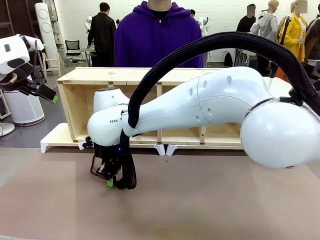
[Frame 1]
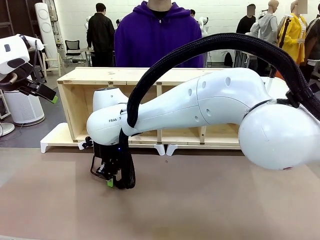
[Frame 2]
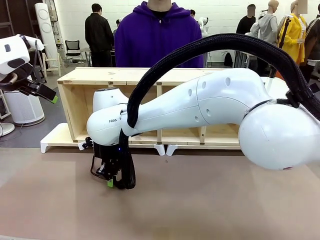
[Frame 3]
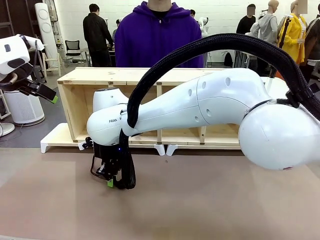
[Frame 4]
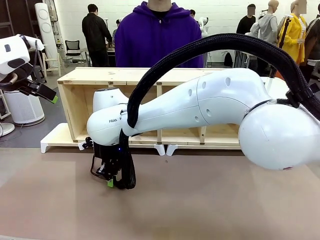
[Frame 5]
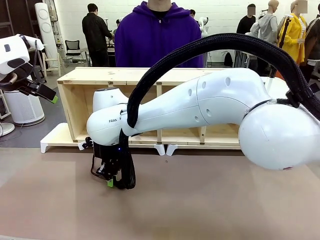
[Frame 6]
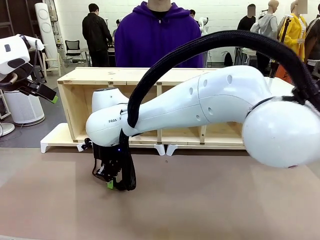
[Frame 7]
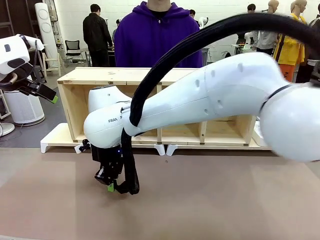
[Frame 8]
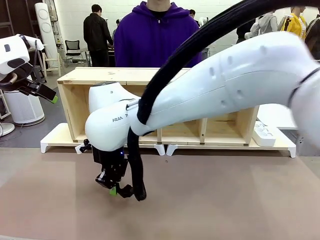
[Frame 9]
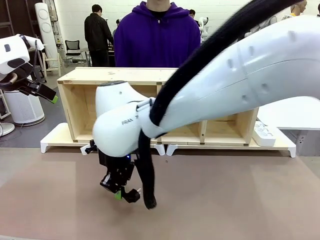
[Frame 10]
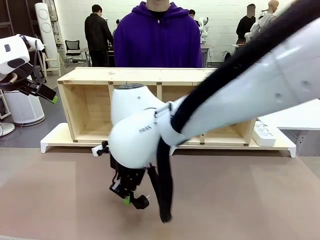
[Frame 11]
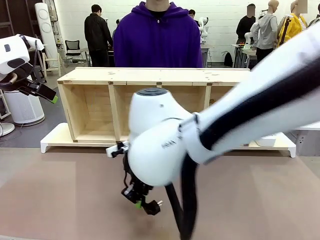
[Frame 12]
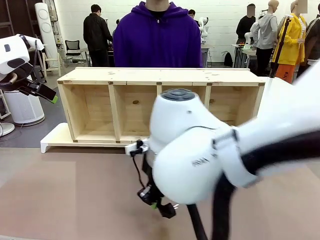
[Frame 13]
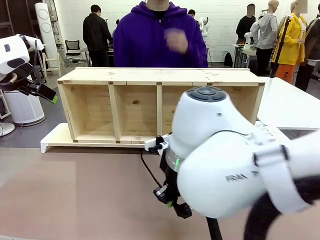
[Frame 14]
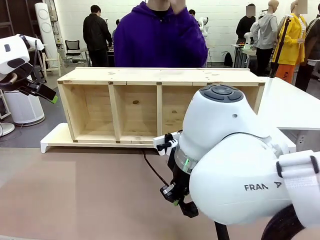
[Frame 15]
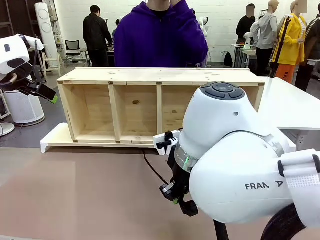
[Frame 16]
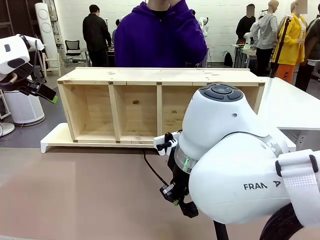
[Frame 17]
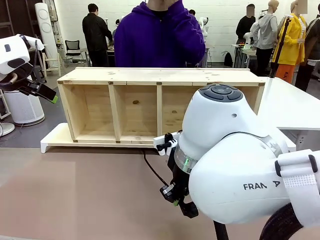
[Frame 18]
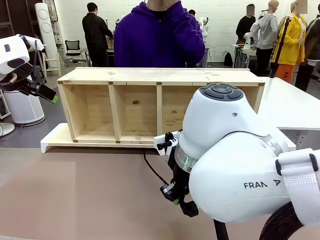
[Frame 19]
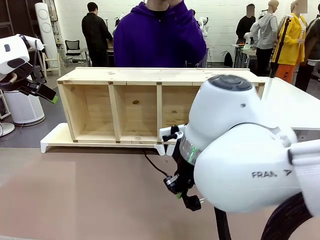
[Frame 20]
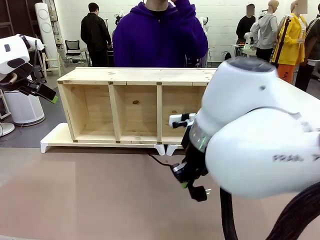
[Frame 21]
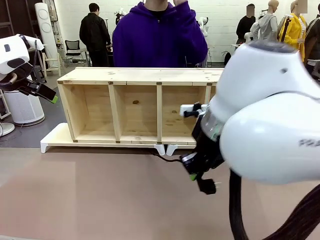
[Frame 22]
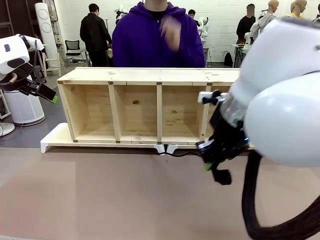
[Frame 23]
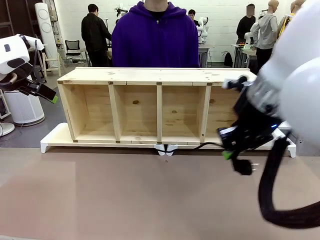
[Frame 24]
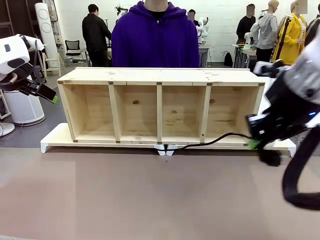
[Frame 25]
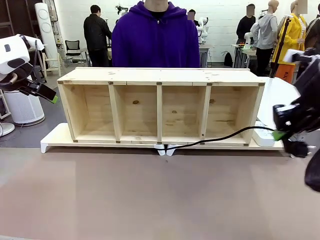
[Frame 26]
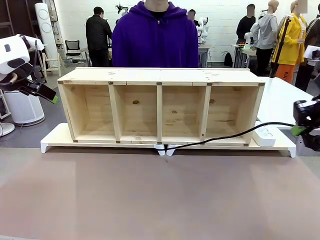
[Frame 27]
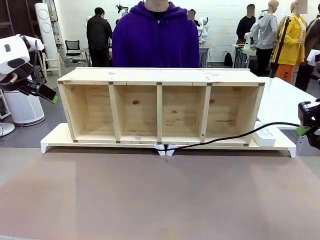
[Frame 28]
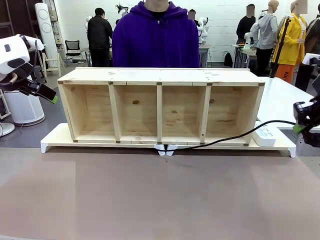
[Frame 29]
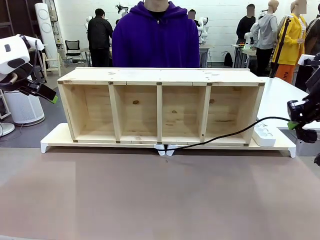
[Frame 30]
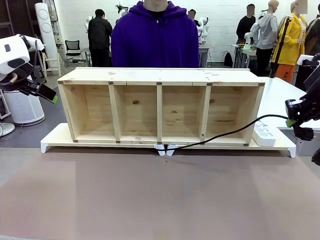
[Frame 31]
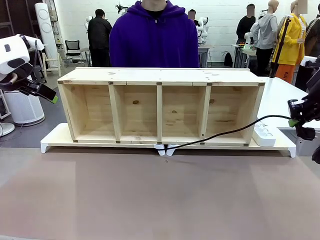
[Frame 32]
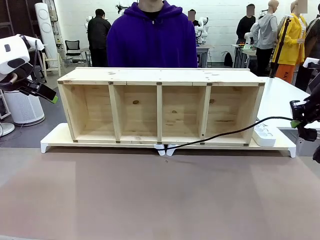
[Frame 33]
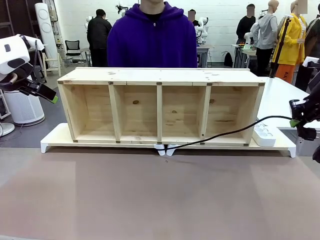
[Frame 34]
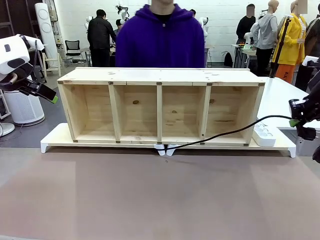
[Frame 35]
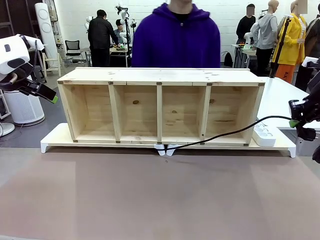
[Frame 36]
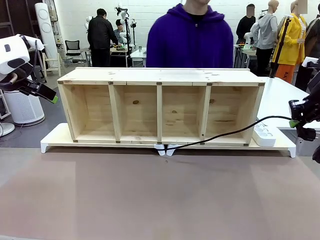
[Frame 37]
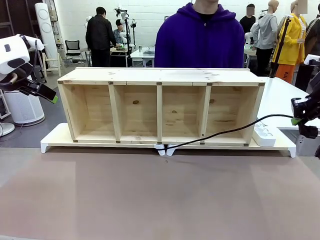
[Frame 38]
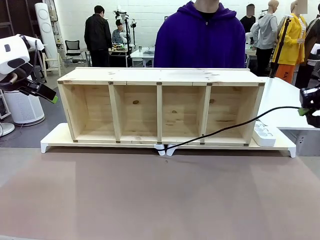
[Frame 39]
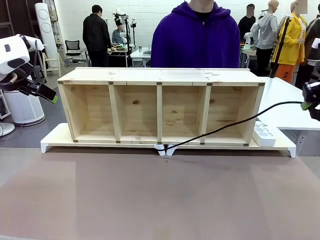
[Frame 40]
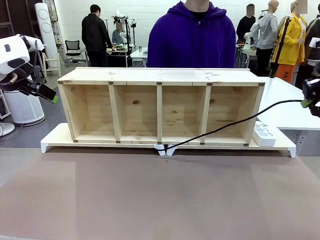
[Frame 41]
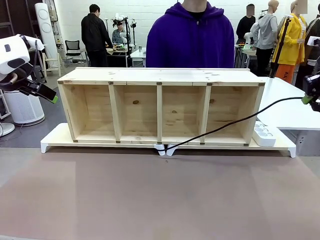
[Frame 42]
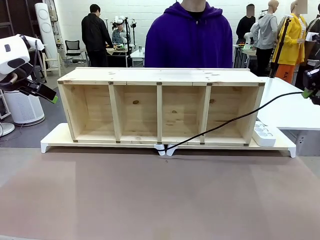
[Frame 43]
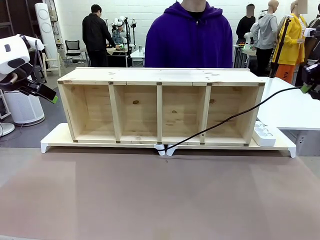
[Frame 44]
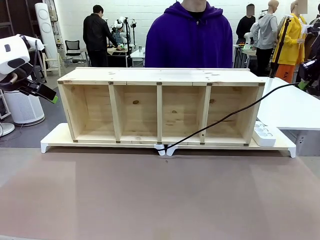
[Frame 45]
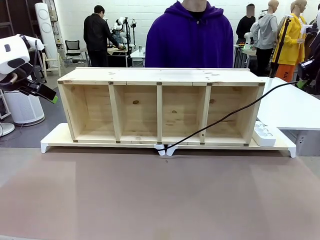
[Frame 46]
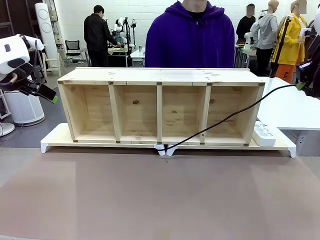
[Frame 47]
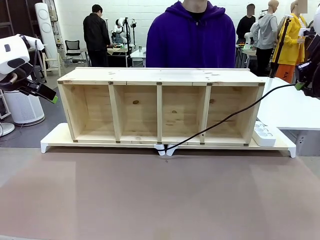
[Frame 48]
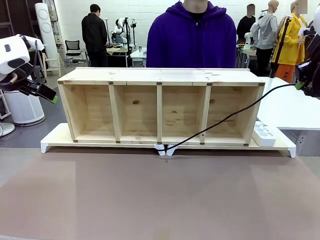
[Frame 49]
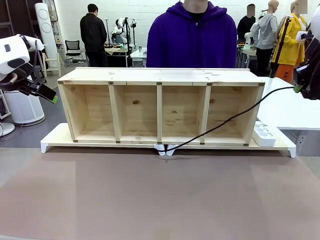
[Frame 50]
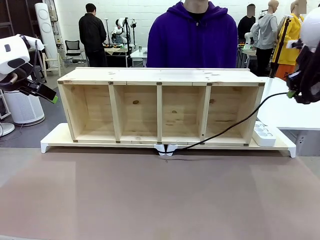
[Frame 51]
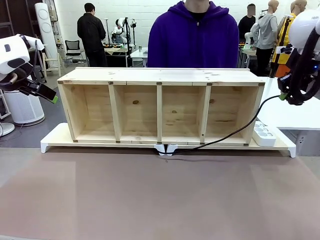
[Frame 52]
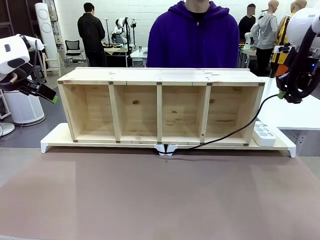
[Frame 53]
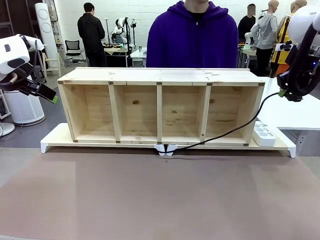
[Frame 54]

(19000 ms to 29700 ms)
Task: Perform cable management.
Robot: Pull the grasped Power Cable to the location of the Power Strip.

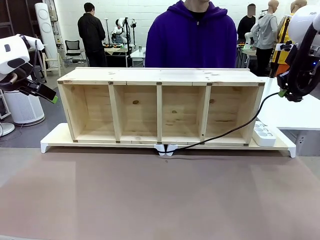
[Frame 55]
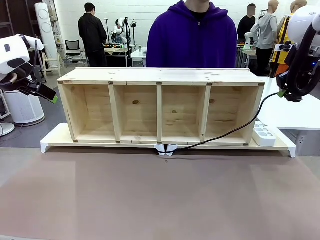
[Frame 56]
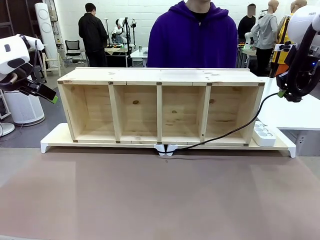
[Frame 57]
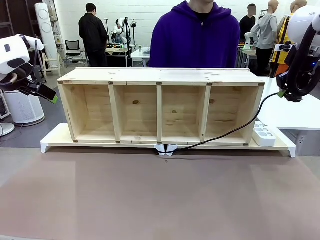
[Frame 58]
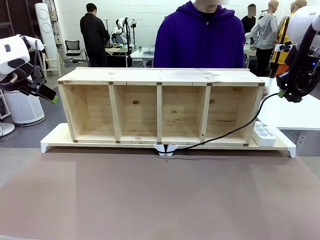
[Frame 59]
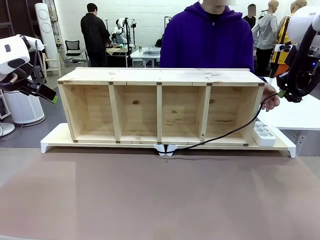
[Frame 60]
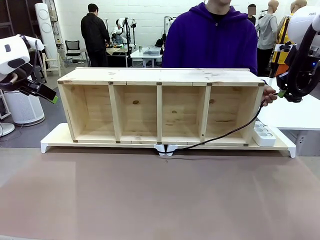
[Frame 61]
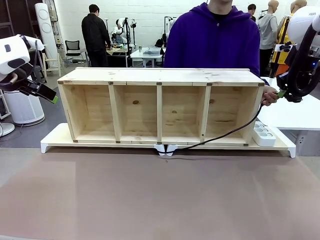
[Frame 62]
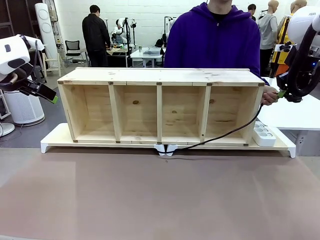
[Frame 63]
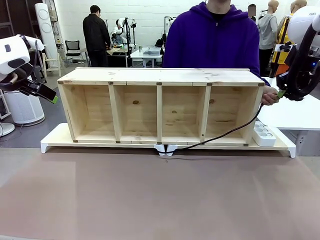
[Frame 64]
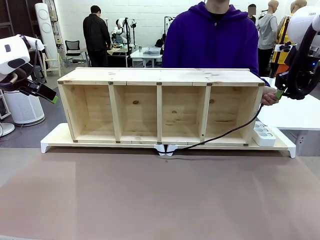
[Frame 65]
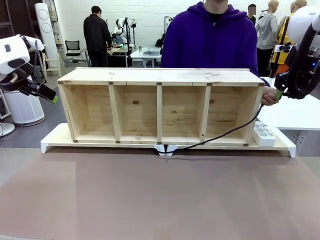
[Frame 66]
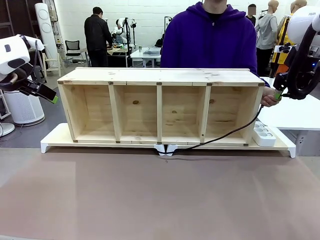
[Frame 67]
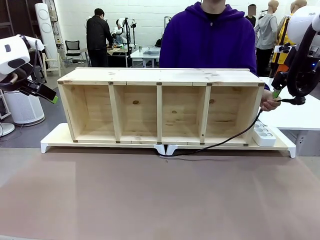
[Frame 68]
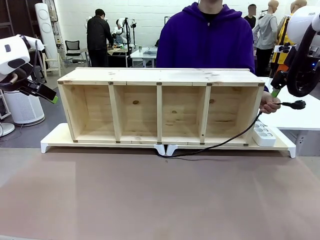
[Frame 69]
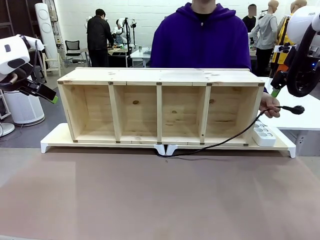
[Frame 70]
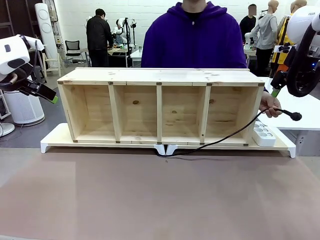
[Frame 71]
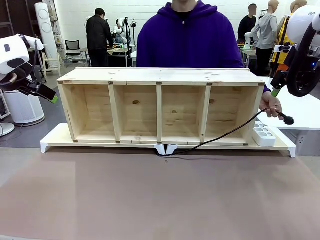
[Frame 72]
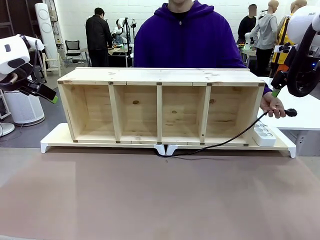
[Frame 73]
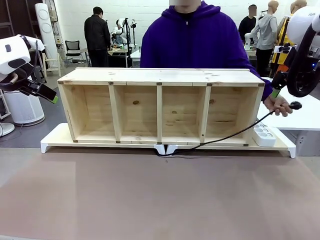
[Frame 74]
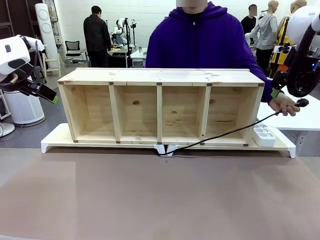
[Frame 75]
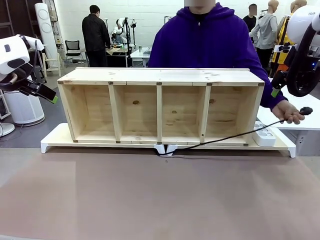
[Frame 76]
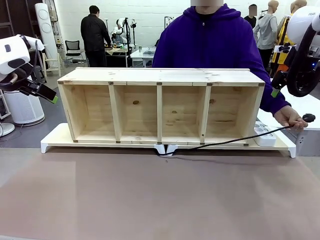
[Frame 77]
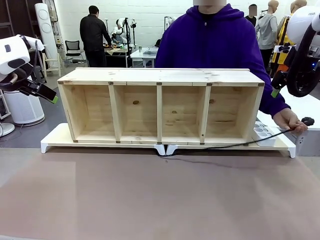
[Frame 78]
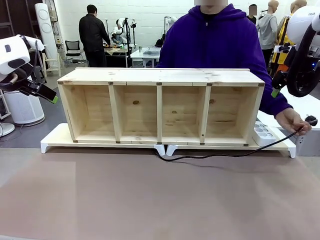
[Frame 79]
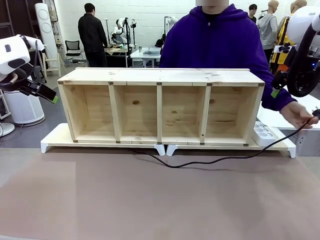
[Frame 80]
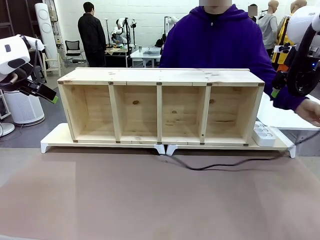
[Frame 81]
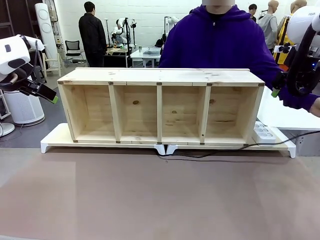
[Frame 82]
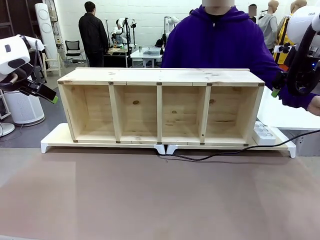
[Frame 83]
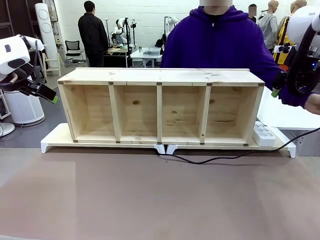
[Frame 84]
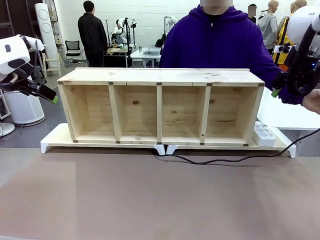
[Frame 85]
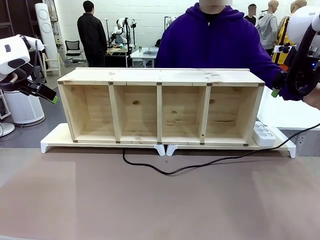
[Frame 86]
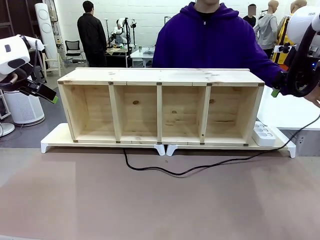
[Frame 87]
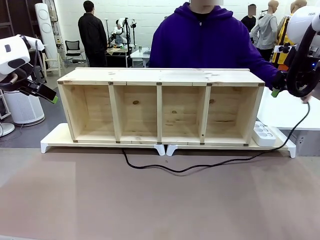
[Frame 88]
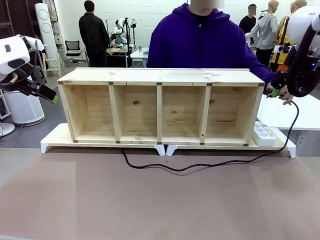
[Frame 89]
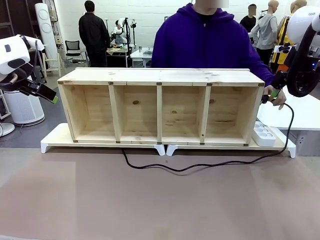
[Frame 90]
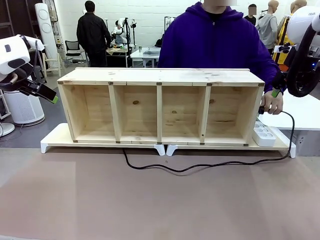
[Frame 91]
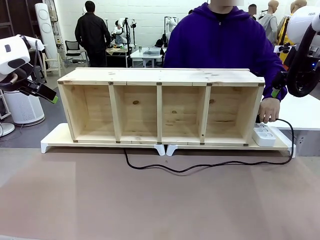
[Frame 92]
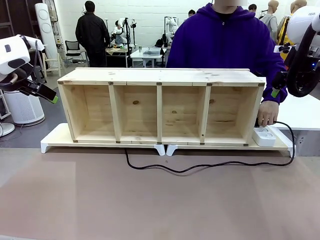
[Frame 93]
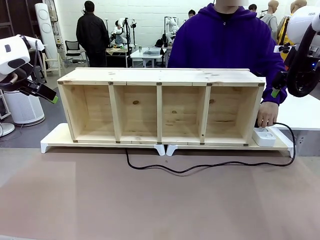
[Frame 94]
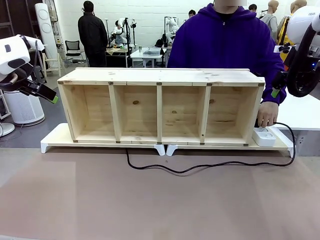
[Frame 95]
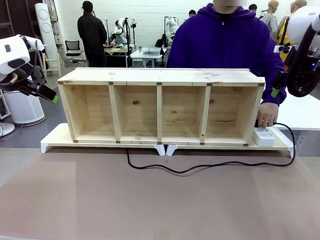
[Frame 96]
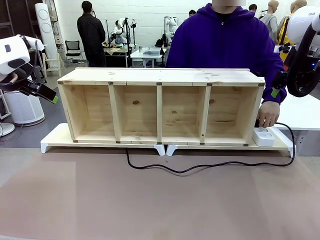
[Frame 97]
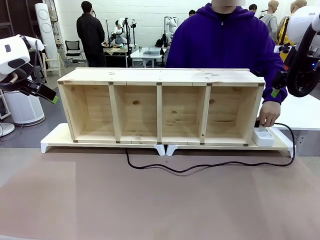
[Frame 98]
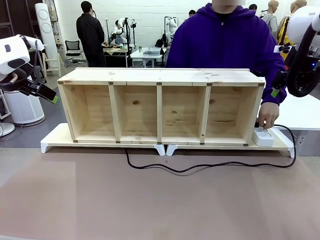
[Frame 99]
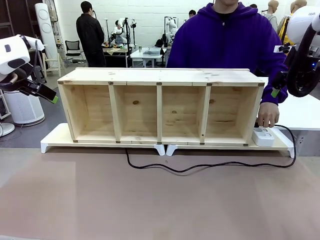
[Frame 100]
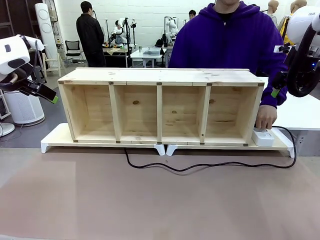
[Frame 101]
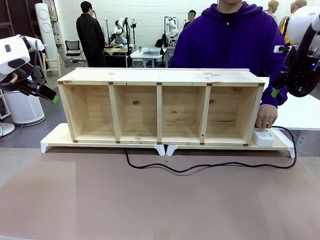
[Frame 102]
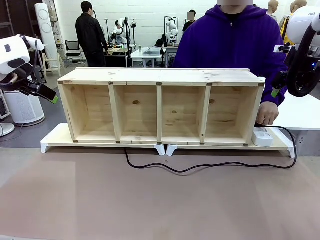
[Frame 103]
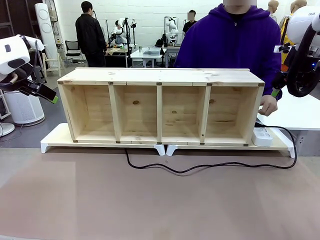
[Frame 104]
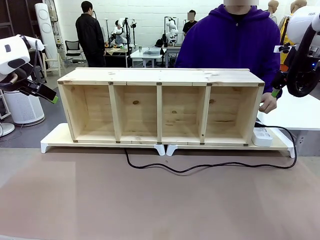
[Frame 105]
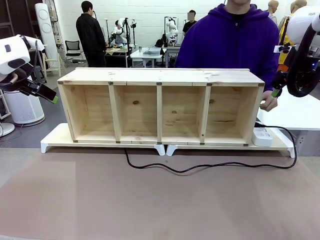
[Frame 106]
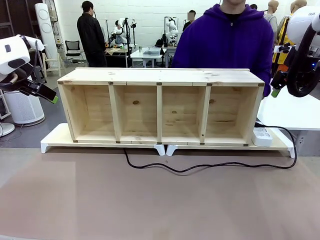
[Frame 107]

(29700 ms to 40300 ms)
Robot: Release the Power Cable when the human grasps it.
Person: Plug the Power Cable into the Power Strip.
